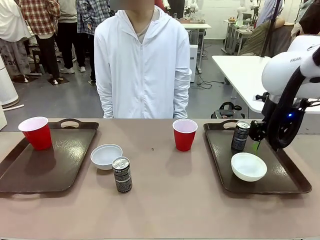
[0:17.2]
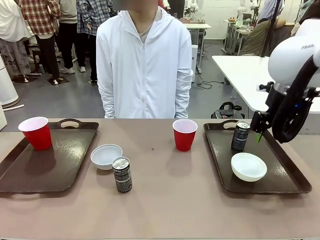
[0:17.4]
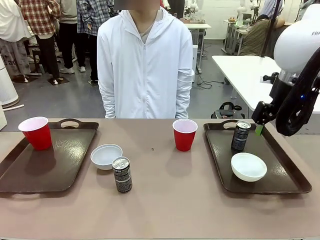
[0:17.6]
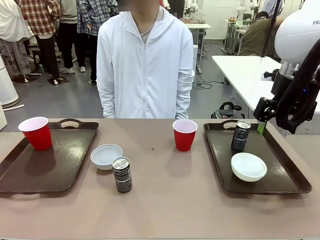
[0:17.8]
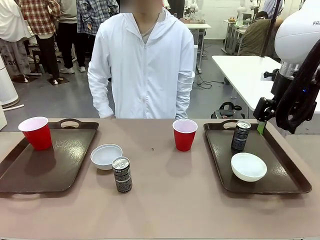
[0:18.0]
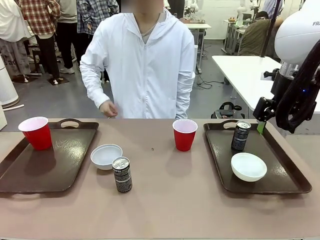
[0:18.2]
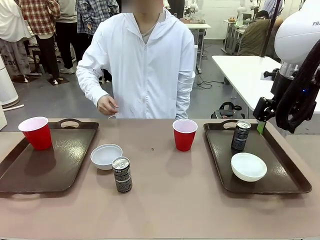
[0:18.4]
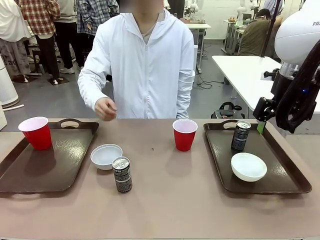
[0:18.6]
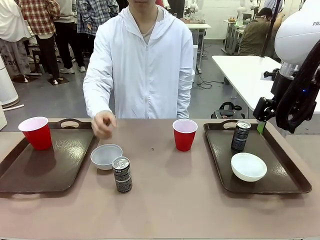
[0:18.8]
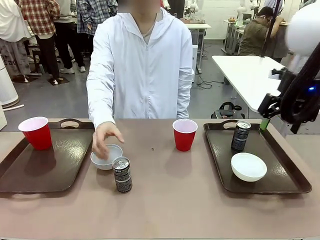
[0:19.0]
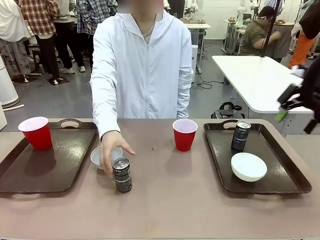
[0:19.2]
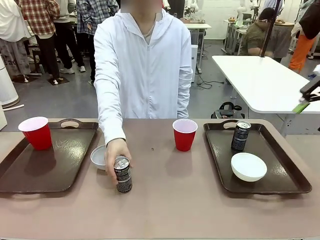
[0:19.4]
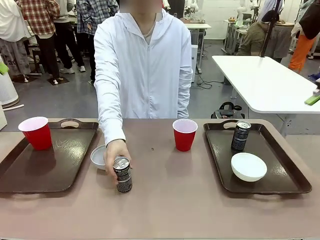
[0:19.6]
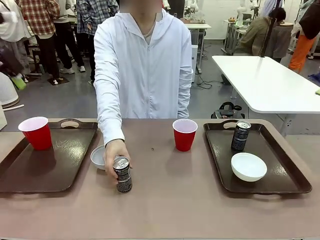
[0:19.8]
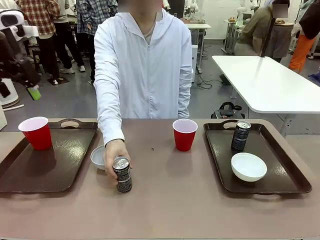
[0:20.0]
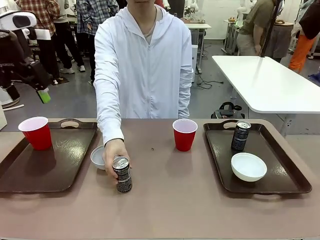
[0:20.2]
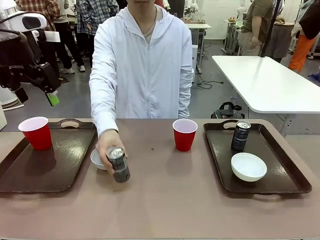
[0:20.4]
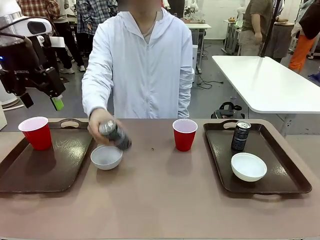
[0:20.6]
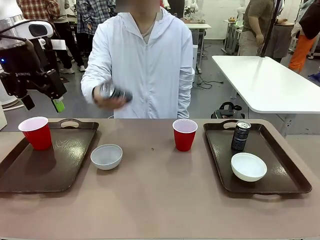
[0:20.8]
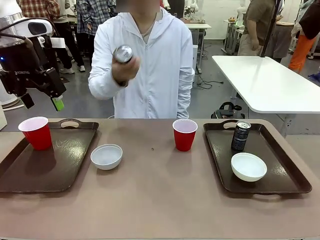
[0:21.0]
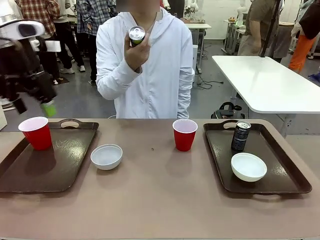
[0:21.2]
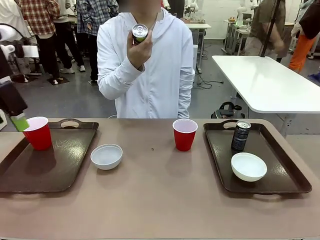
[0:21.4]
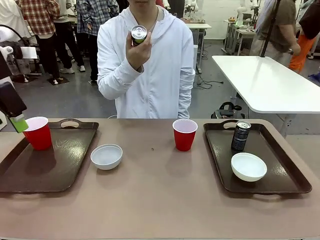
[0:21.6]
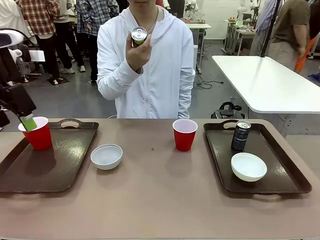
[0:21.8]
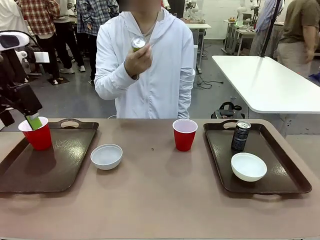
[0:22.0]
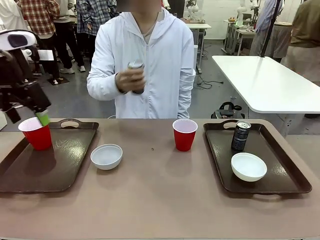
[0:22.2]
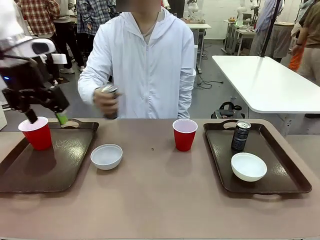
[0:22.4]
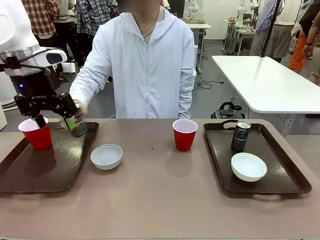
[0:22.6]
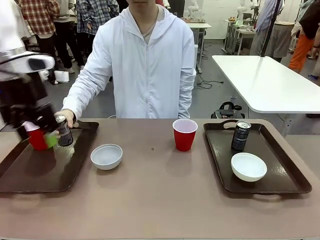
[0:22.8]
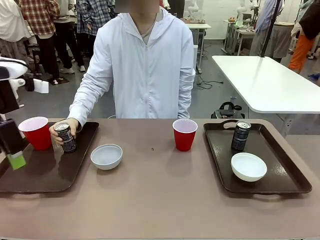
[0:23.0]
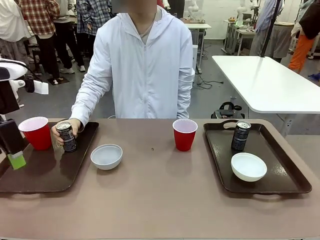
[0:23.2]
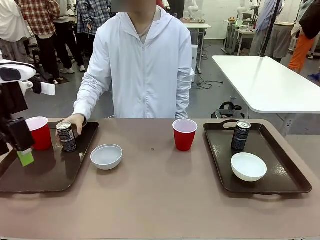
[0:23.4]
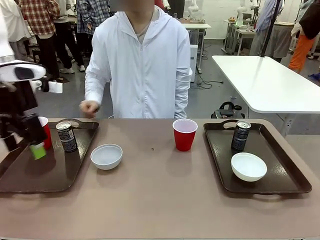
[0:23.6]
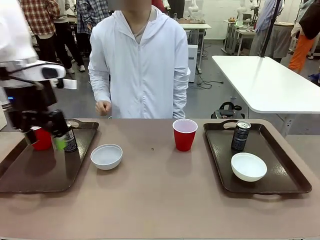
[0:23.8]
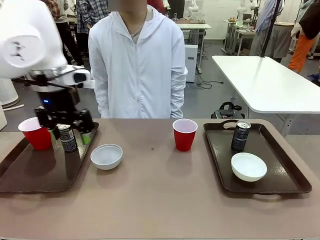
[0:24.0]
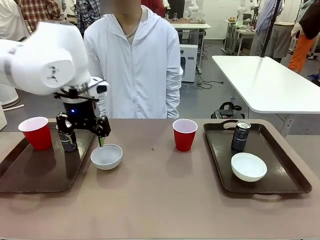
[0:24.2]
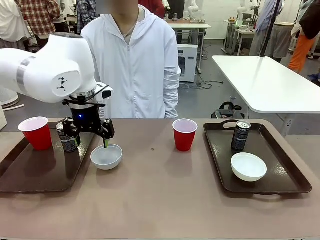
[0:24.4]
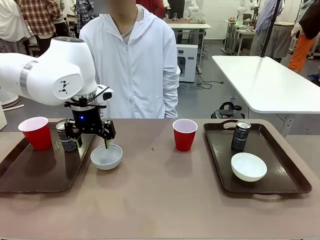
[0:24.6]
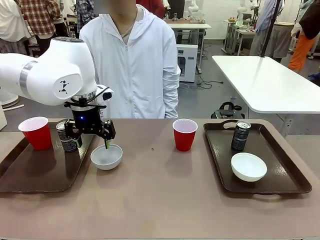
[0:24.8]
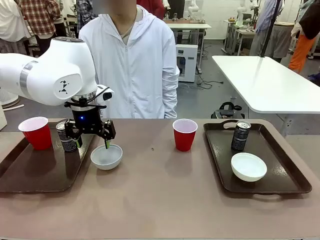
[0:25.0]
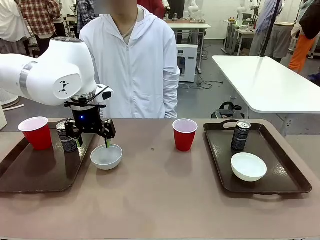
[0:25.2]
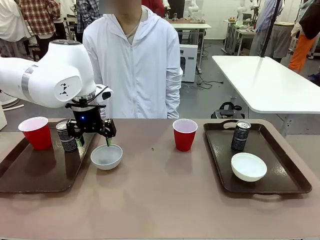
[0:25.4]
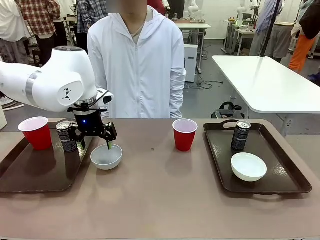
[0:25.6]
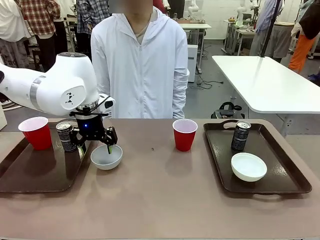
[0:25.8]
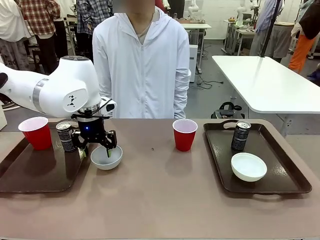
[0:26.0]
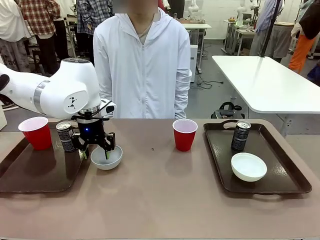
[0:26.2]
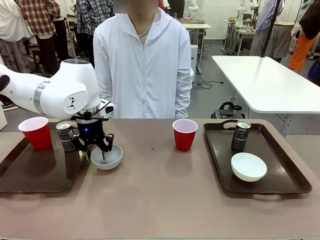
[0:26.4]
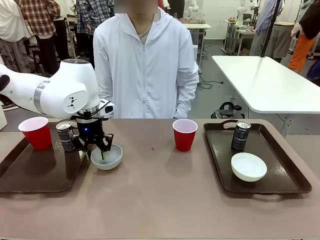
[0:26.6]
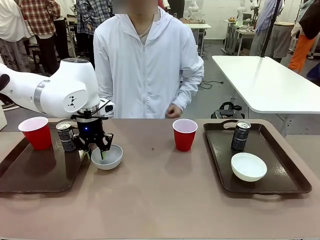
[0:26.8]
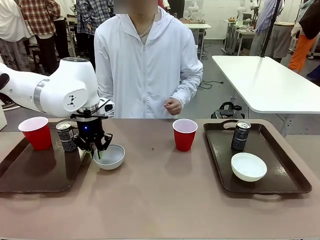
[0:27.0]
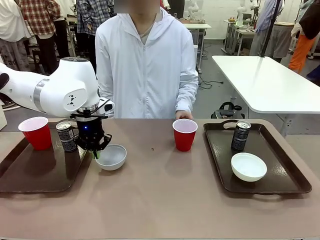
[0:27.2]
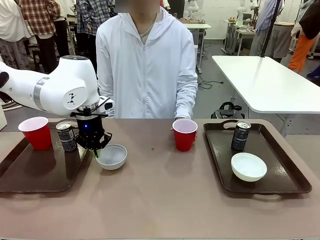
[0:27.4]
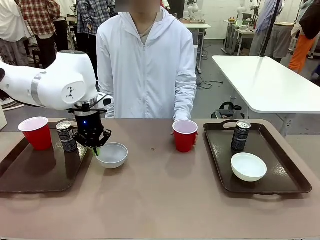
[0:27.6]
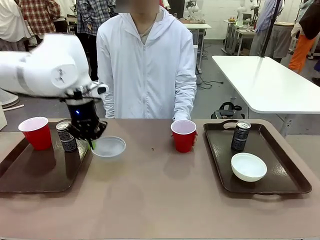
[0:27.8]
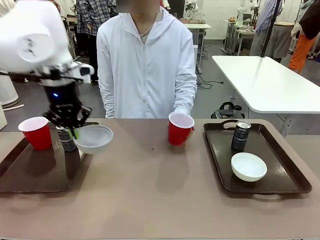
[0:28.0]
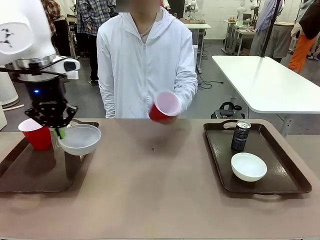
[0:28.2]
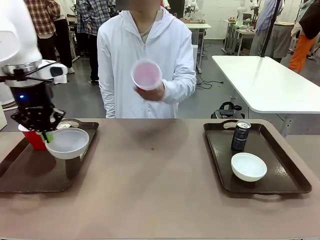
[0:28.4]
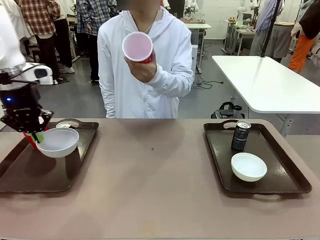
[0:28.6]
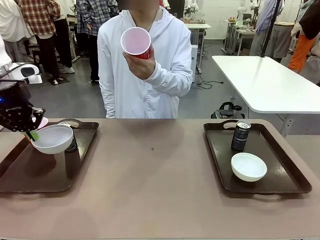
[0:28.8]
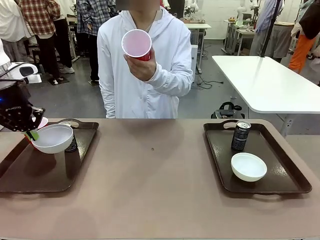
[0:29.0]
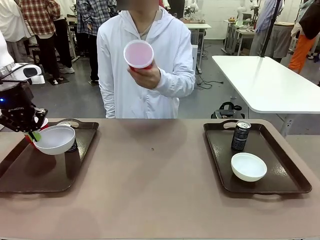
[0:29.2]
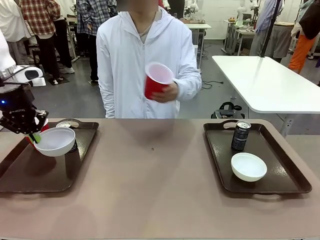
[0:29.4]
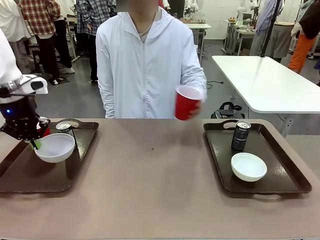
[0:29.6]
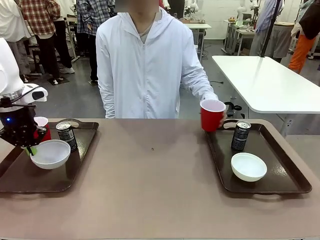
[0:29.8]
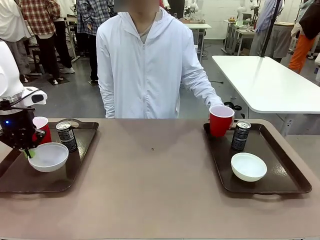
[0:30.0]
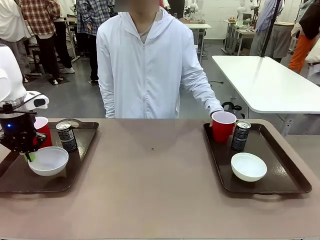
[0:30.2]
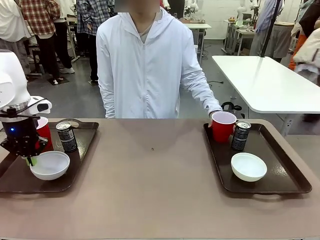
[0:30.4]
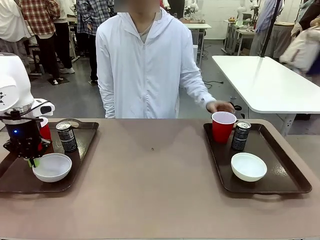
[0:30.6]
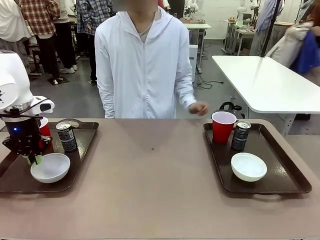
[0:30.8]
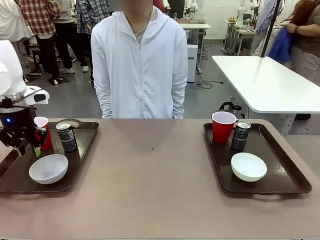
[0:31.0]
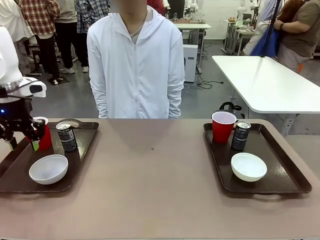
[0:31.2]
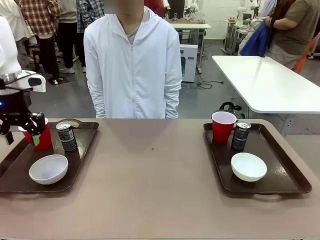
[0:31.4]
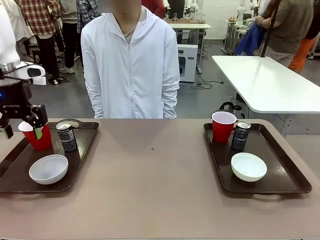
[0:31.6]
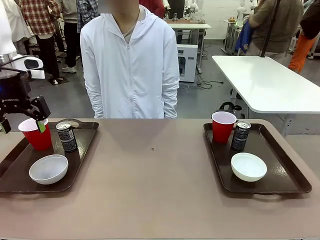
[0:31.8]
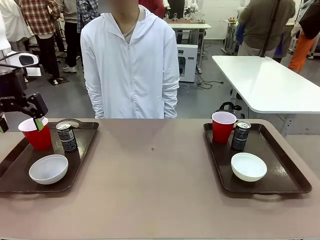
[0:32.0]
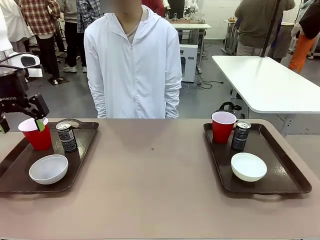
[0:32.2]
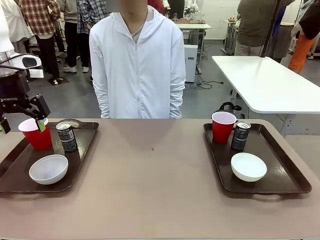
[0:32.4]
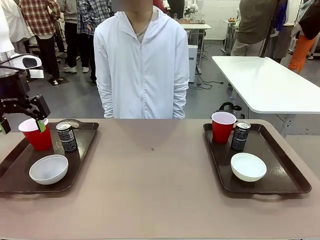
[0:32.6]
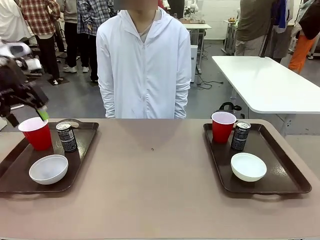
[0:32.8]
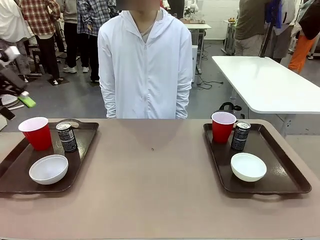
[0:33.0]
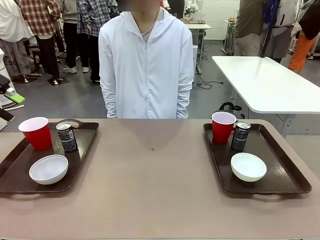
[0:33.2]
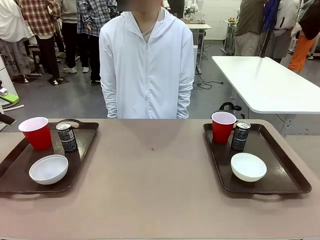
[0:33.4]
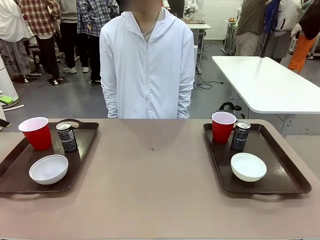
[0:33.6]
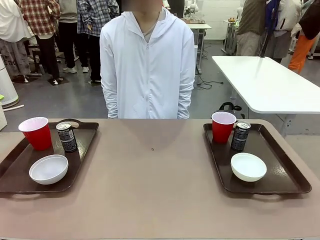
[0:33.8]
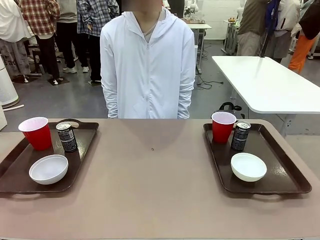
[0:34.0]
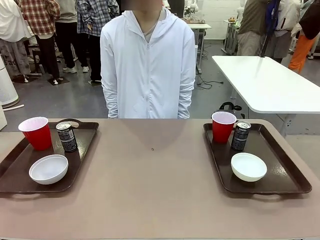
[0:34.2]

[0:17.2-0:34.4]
Task: Prepare tableware on both trays.
Robot: Pick up a Picnic Bowl from the table and place it on a Handle tray.
Person: Pick up a can or cup and place it on the tray without a can or cup.
